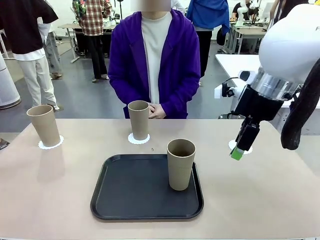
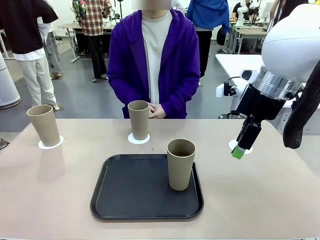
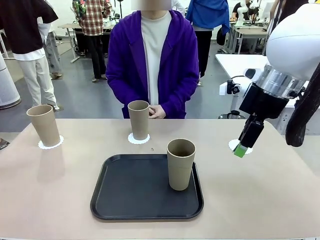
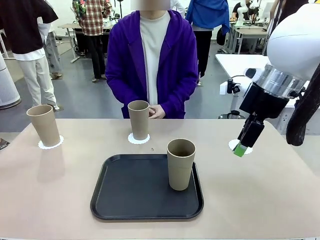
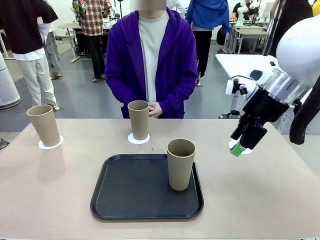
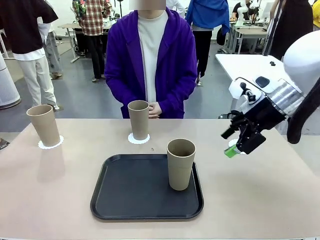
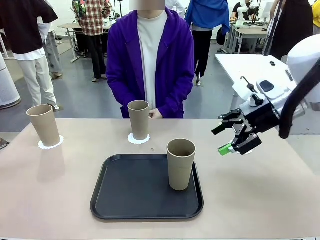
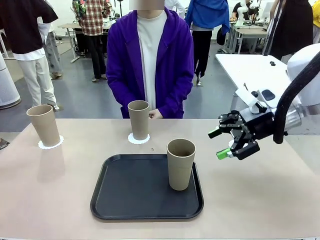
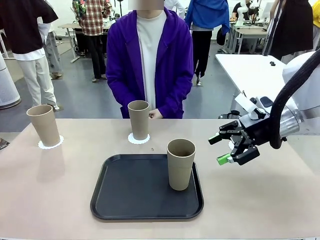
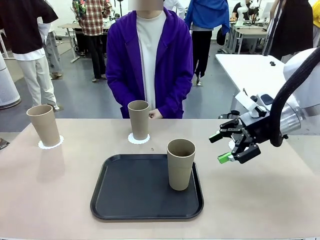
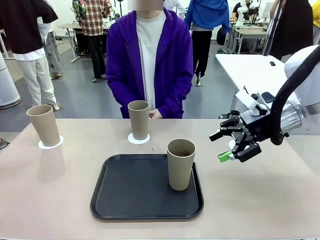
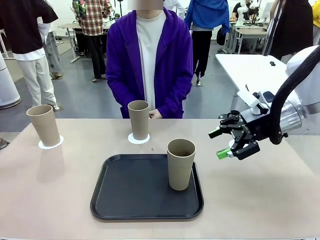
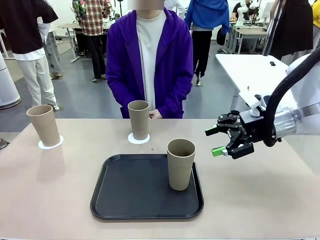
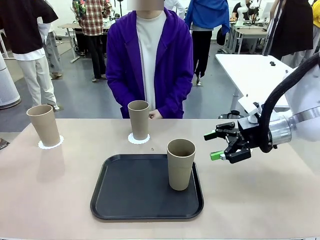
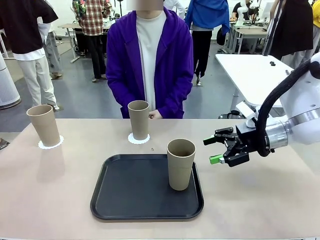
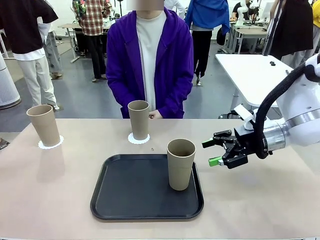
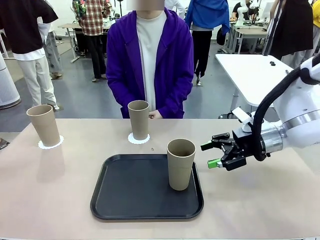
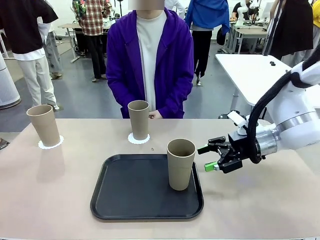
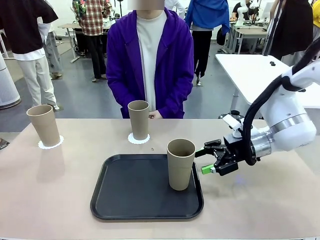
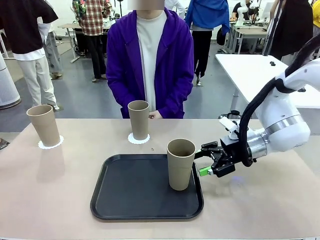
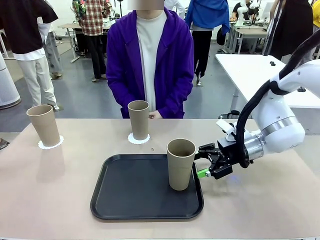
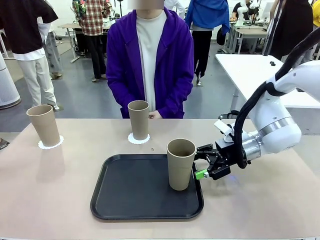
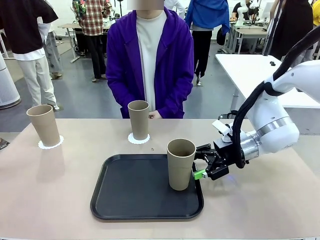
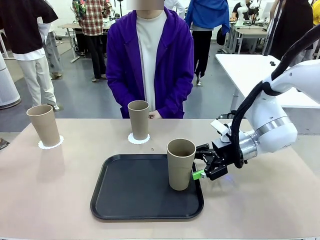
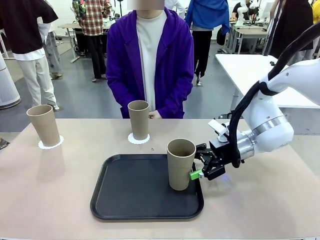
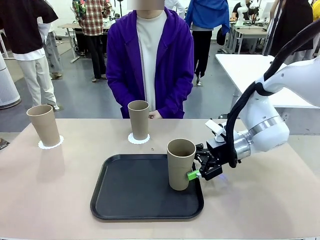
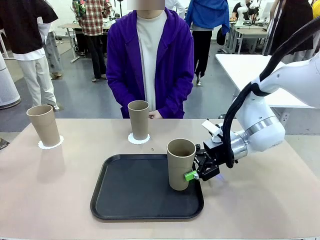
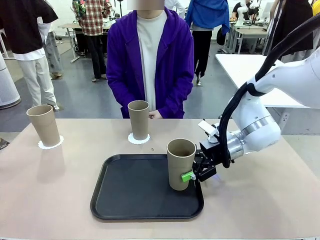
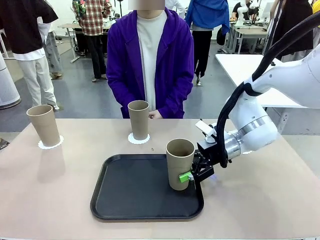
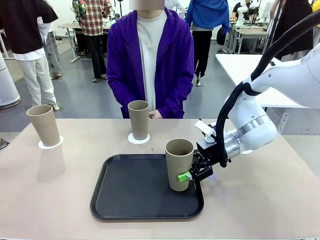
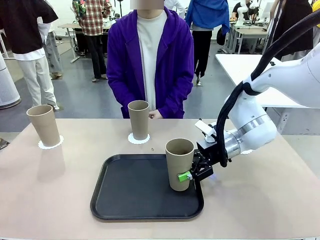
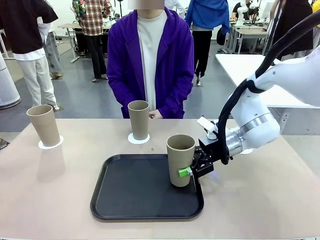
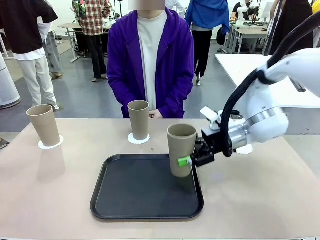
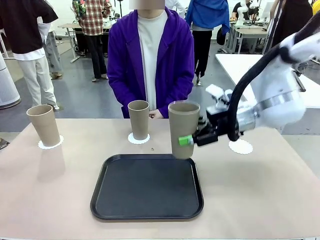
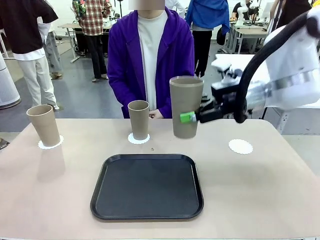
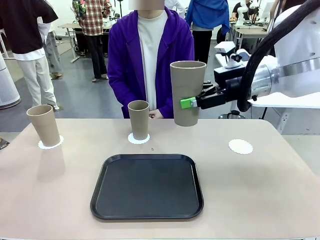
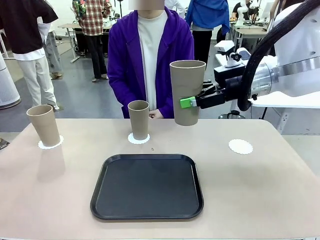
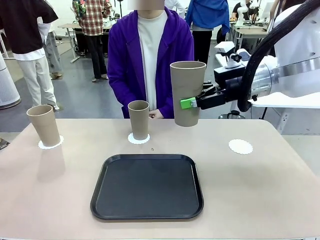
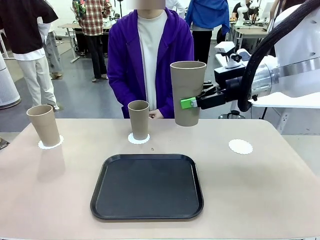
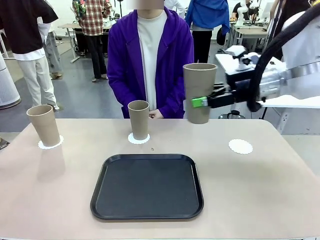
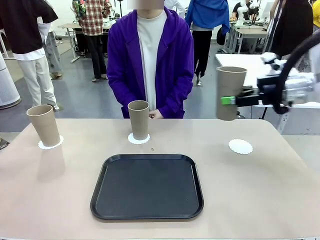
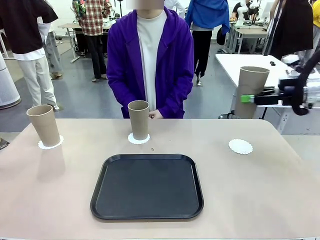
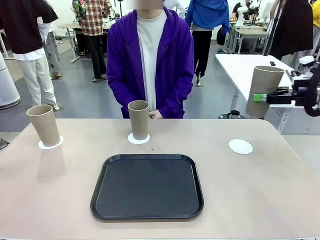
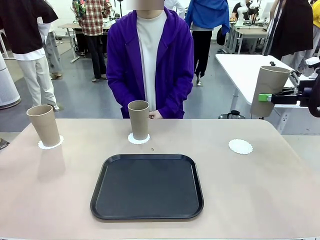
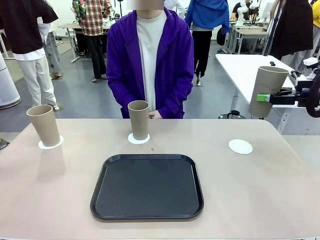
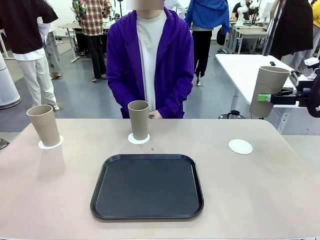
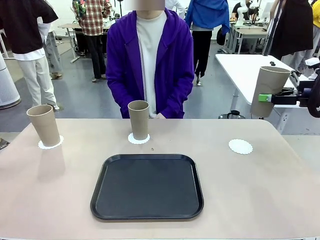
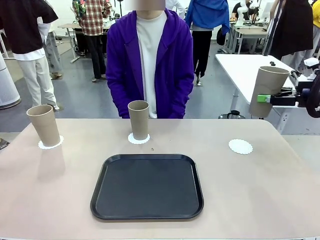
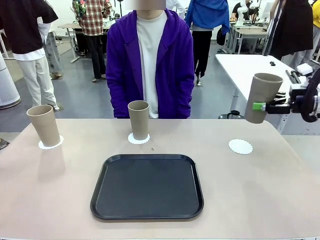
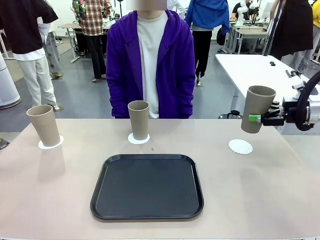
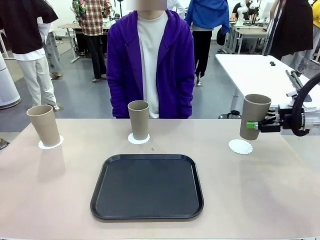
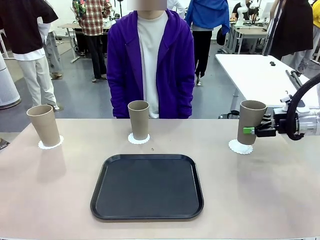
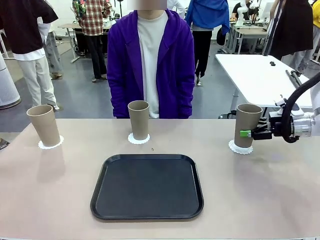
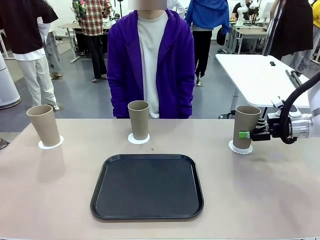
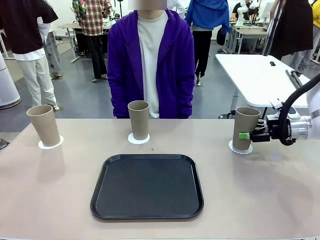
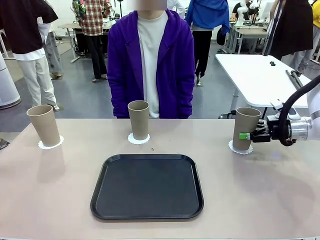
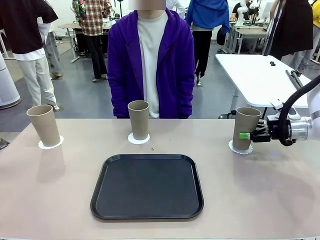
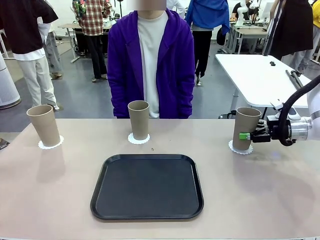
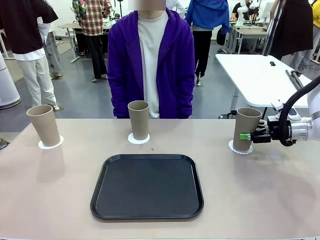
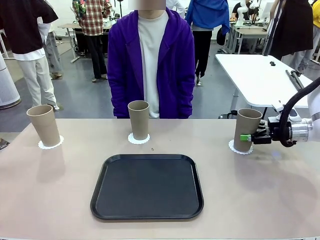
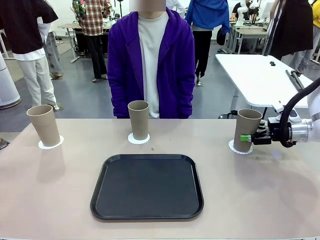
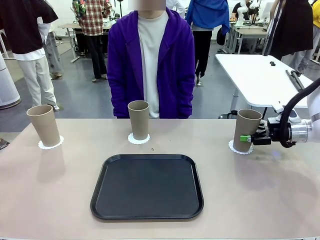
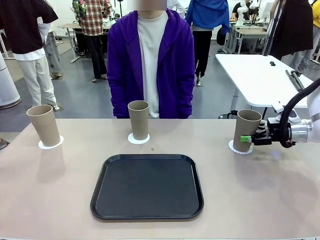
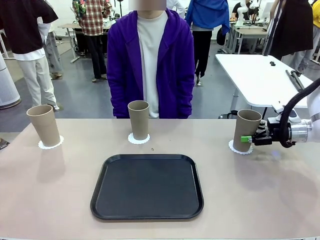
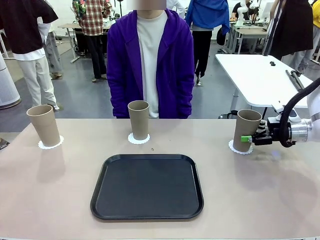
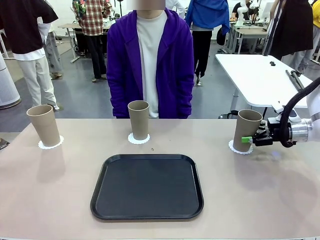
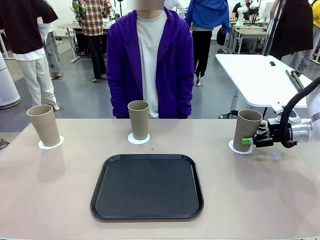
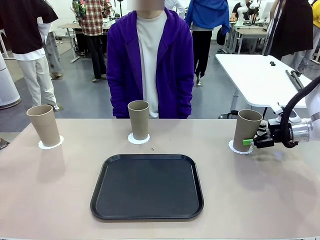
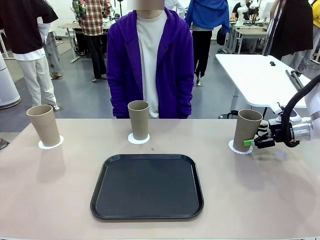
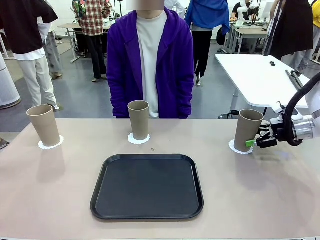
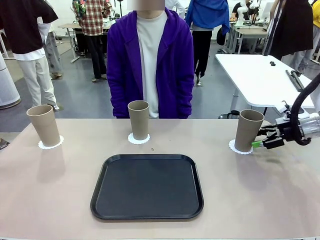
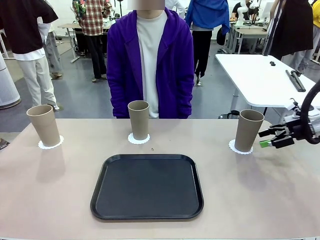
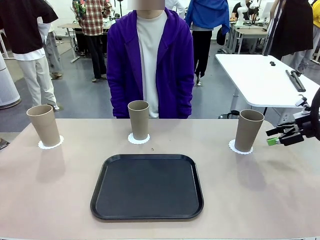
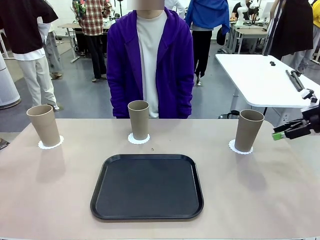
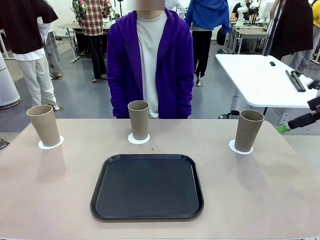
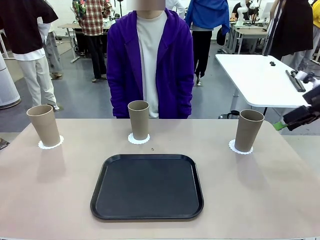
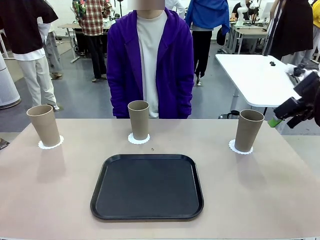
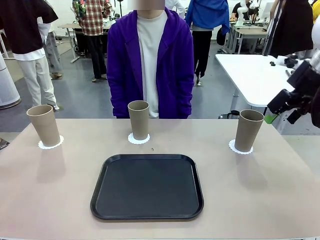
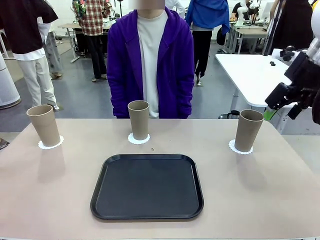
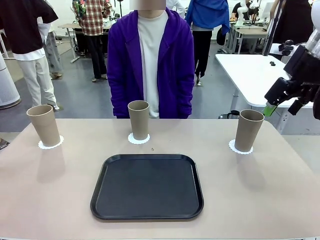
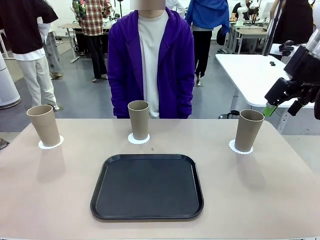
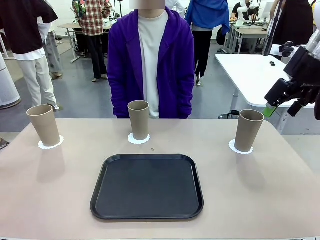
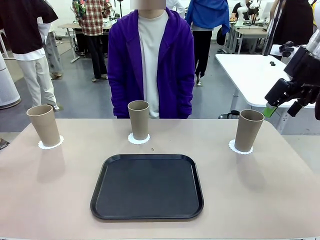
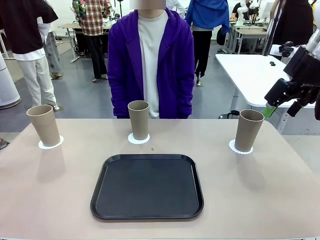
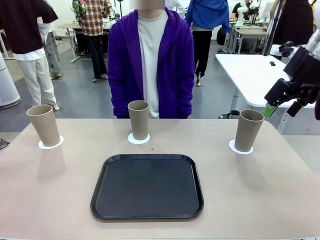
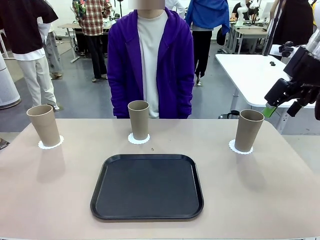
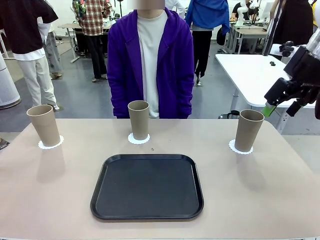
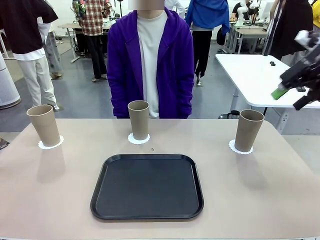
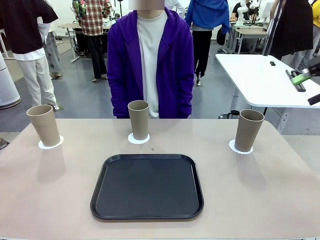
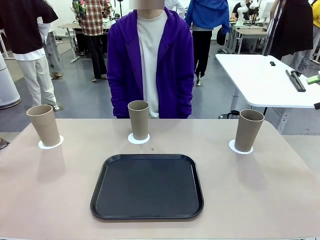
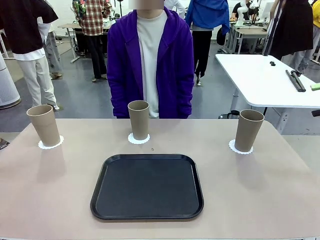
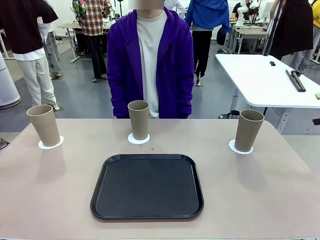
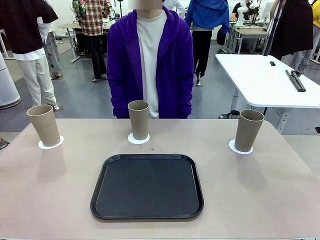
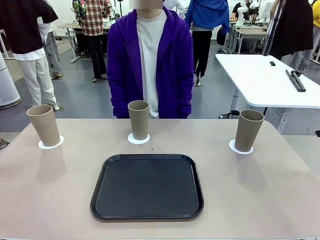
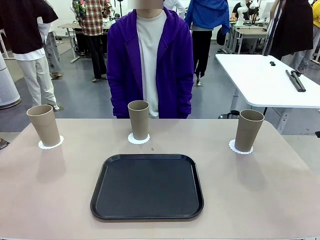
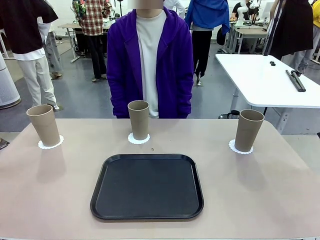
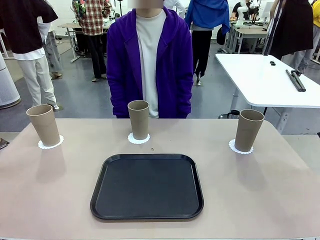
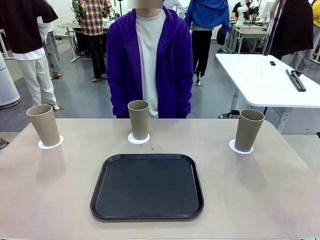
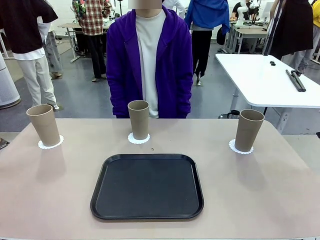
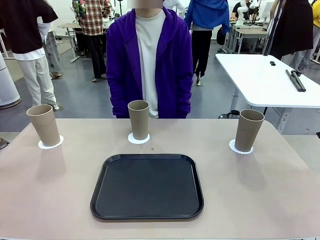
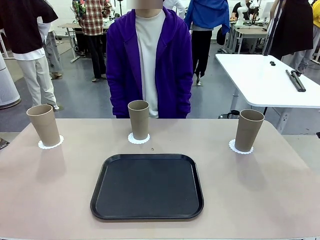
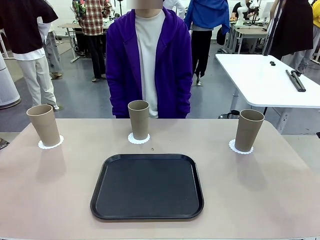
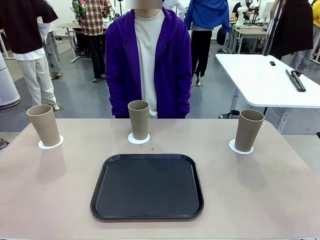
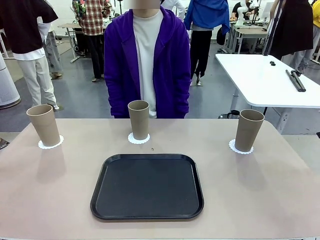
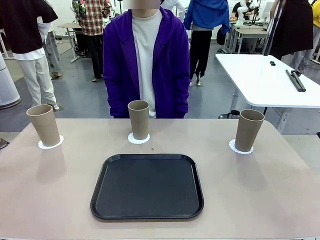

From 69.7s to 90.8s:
Task: Place coasters on the table and set cups on them.
Robot: Take one Reusable plastic cup from the Flat Tray and place it on a coaster set by the human.
